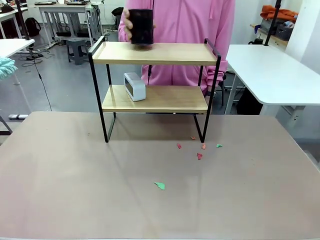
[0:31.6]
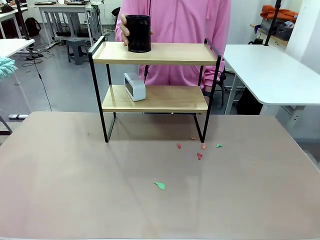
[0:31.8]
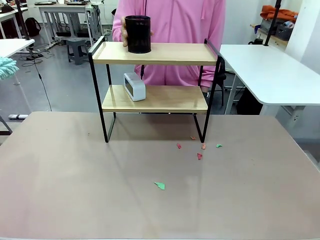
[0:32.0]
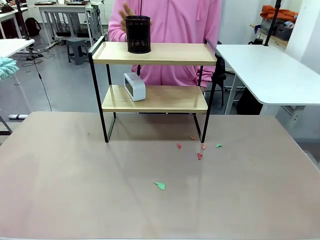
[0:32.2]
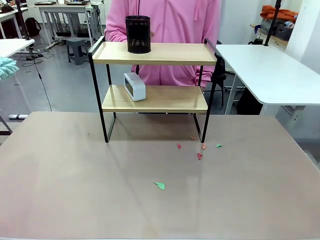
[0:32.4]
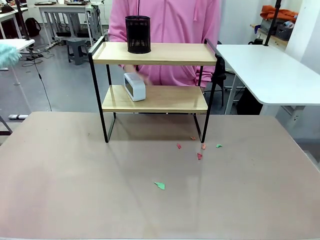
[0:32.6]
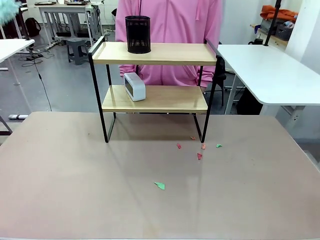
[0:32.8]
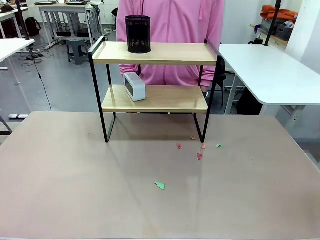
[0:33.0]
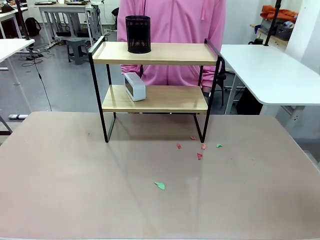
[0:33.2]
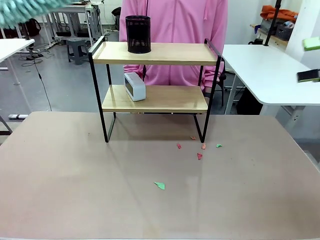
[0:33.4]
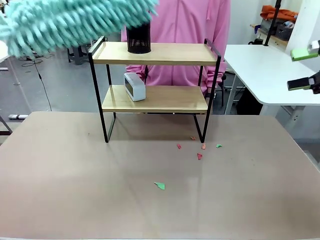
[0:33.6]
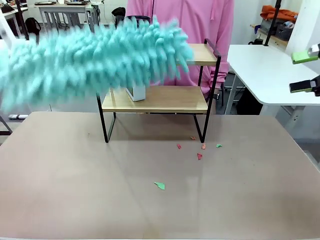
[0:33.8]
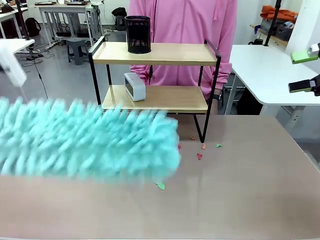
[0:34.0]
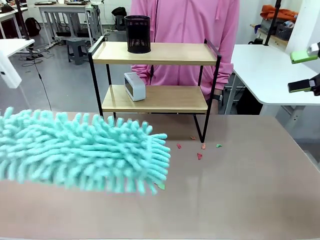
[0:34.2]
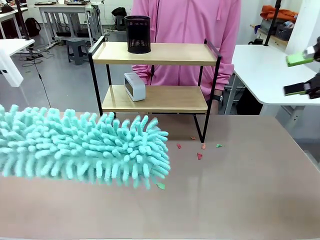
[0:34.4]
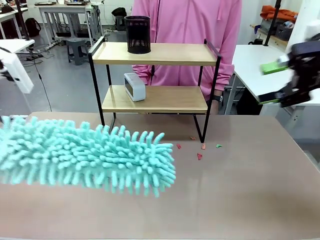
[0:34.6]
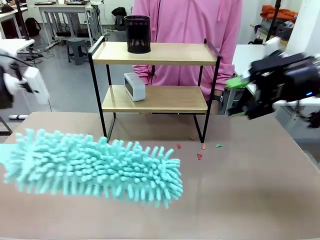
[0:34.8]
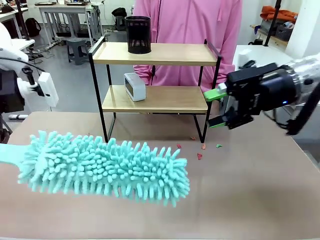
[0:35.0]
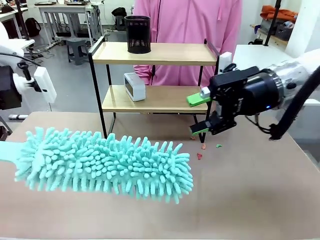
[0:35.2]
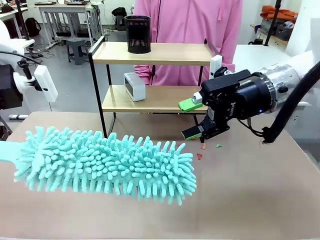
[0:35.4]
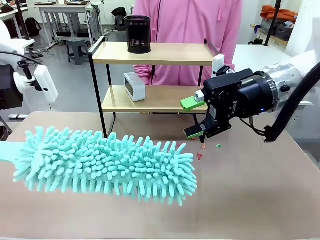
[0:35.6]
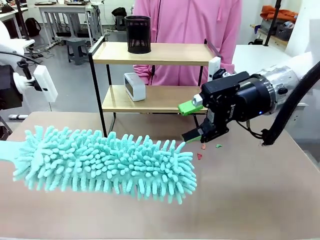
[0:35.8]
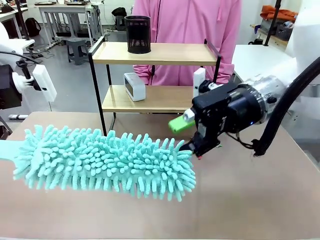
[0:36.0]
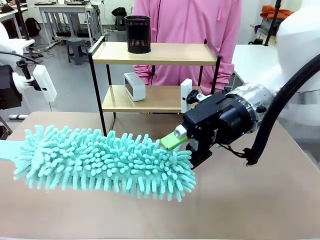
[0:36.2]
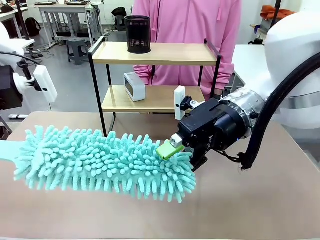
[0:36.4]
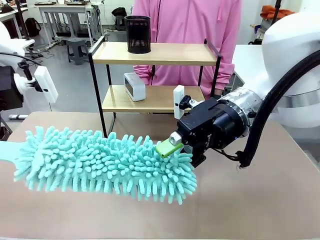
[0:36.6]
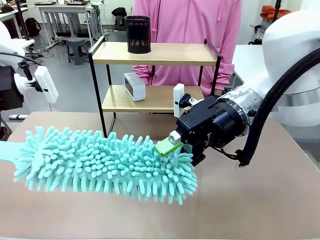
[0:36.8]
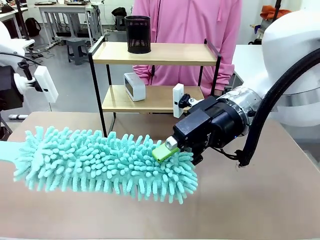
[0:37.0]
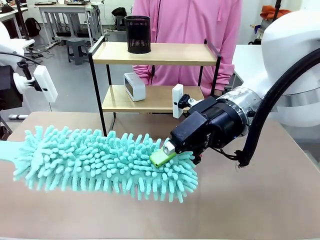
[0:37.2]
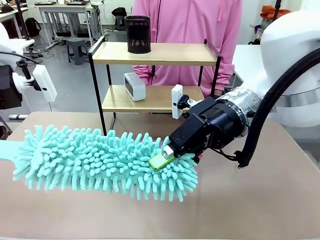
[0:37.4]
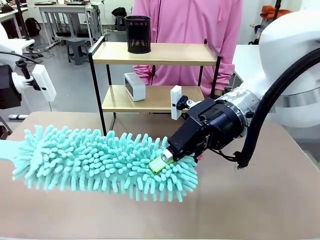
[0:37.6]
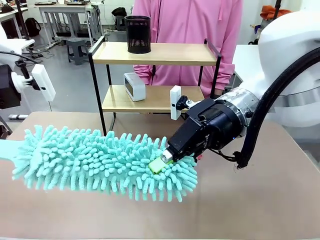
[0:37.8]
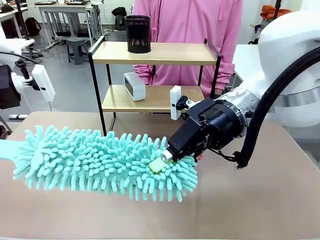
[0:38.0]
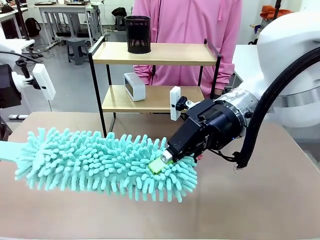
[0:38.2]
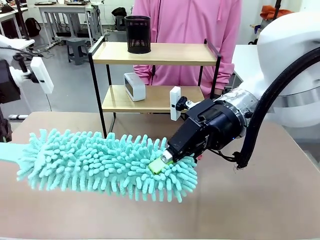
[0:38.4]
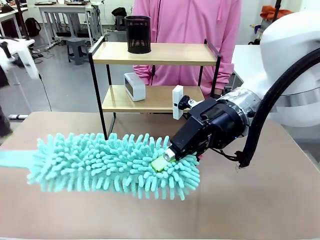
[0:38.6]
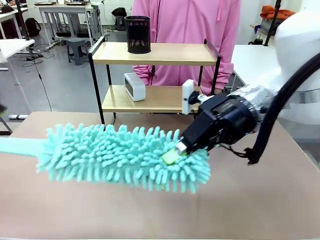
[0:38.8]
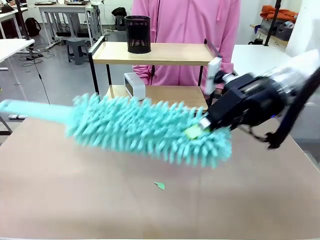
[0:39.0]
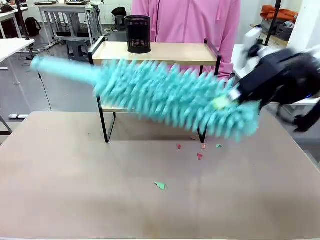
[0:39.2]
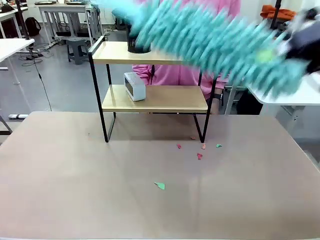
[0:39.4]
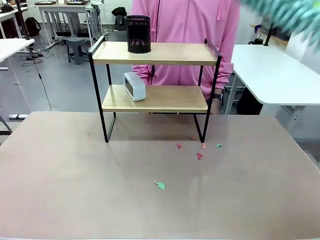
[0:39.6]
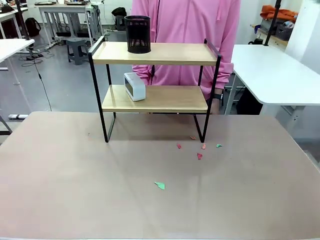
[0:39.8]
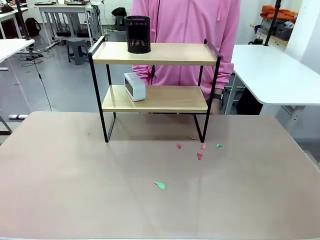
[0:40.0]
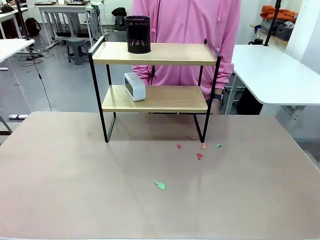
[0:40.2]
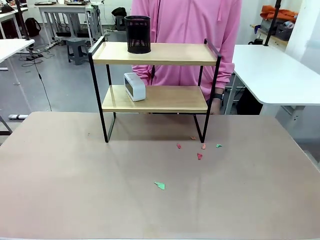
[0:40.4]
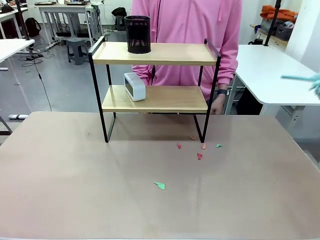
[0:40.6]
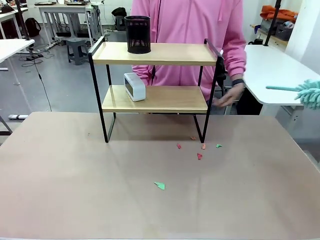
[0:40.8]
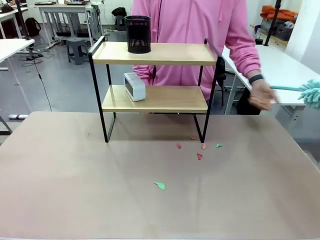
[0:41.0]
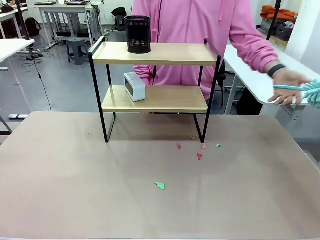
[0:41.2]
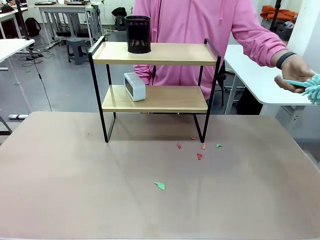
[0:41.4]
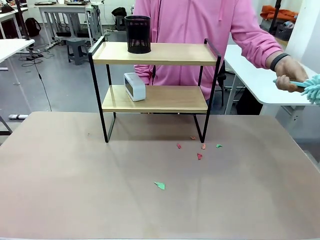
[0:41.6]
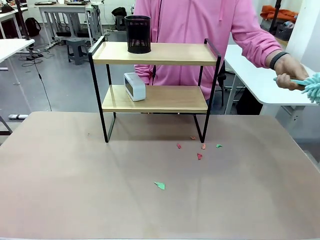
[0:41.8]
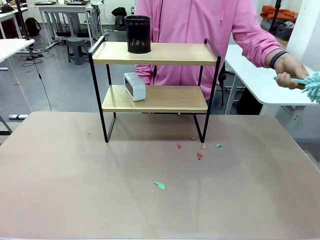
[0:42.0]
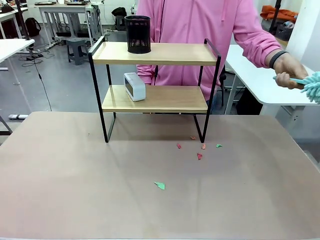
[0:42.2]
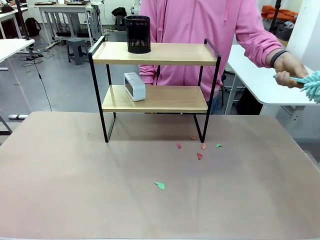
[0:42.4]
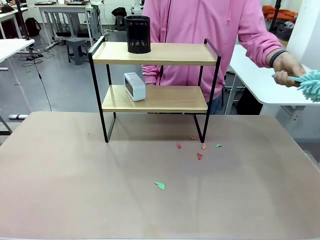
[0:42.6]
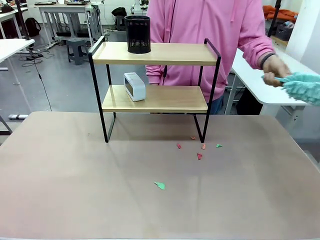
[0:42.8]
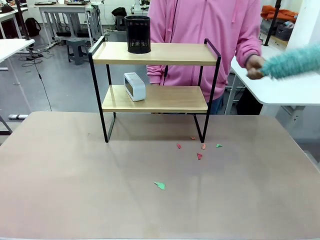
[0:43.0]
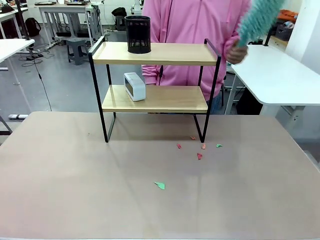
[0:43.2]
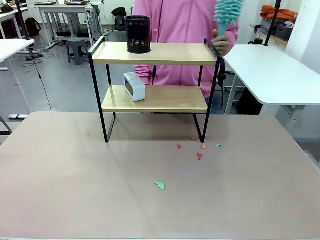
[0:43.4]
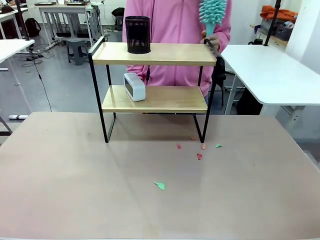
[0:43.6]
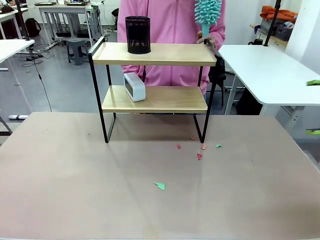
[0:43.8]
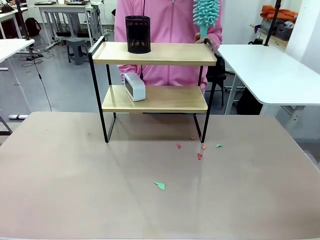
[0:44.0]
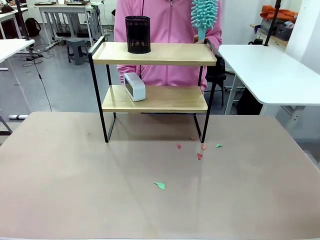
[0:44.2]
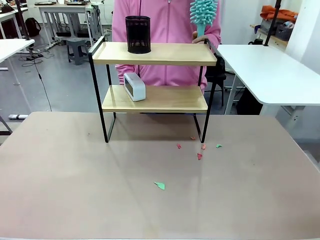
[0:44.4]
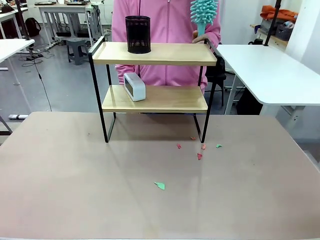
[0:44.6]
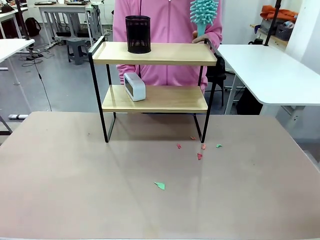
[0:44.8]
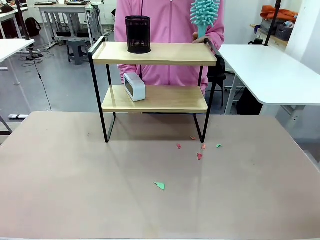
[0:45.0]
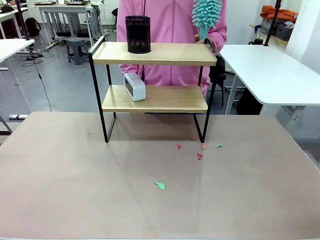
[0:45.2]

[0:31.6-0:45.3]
Task: Clean the shelf.
Robot: Hand the Duster back to the human.
Person: Receive the Duster from the robot.
